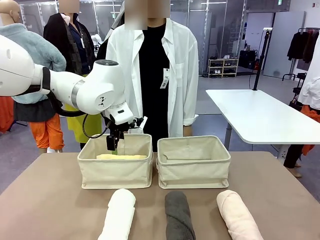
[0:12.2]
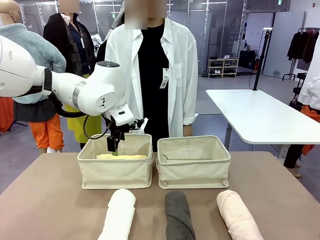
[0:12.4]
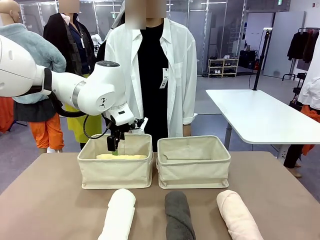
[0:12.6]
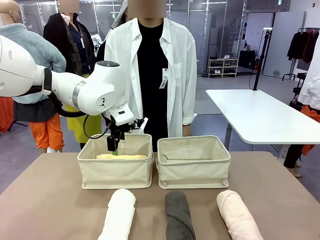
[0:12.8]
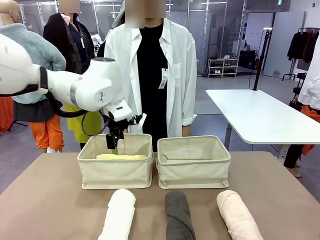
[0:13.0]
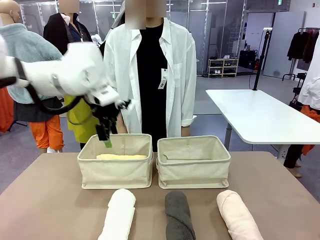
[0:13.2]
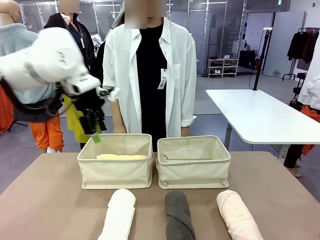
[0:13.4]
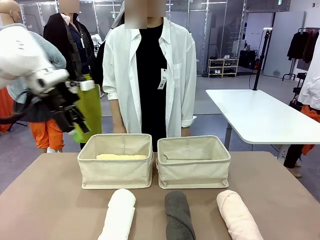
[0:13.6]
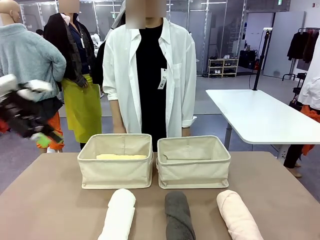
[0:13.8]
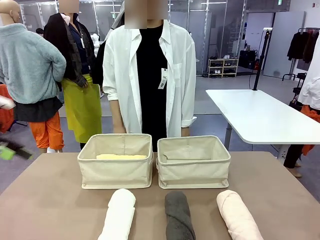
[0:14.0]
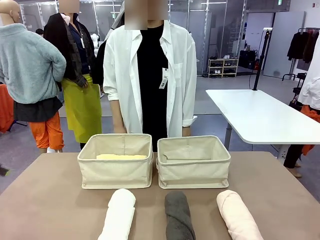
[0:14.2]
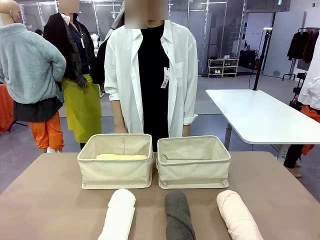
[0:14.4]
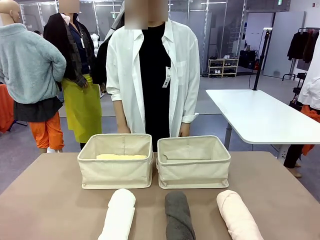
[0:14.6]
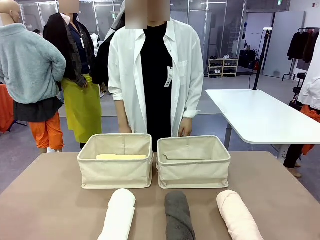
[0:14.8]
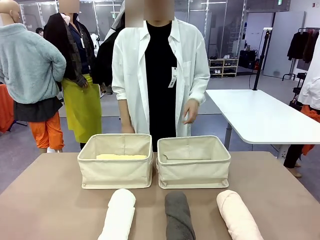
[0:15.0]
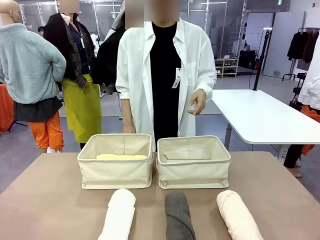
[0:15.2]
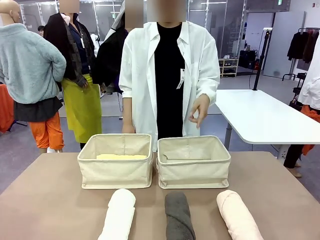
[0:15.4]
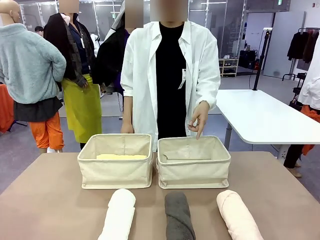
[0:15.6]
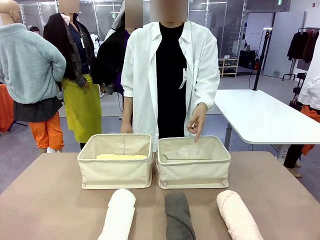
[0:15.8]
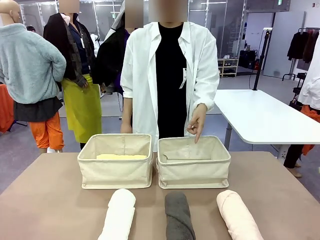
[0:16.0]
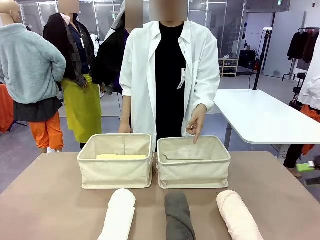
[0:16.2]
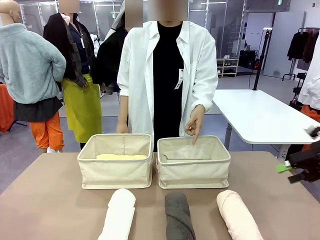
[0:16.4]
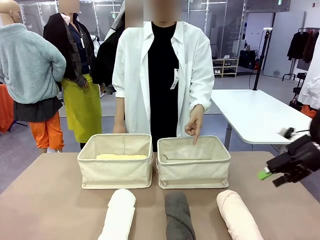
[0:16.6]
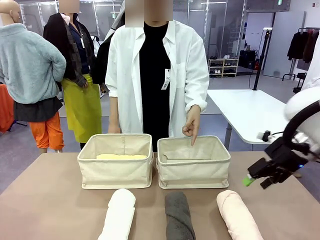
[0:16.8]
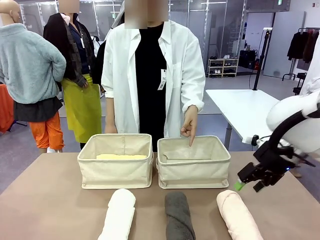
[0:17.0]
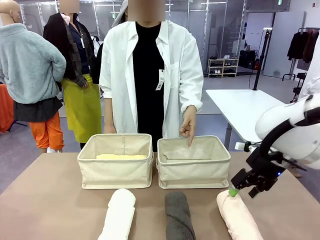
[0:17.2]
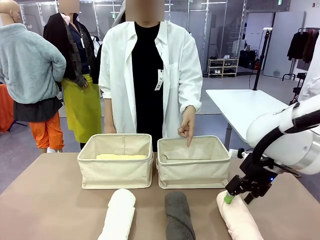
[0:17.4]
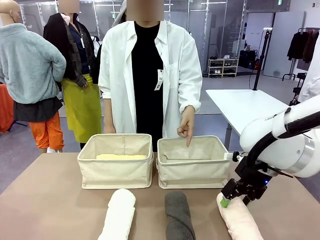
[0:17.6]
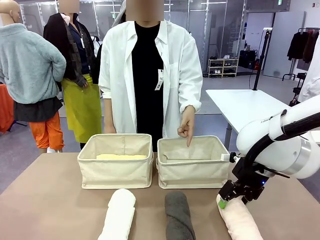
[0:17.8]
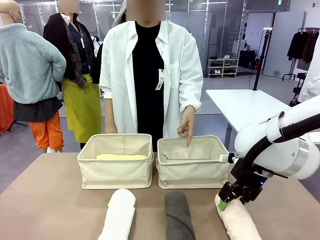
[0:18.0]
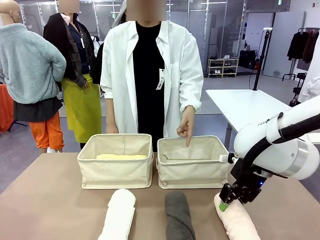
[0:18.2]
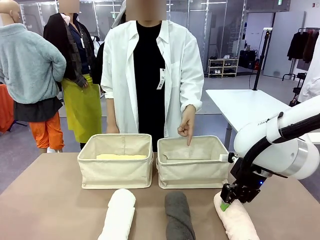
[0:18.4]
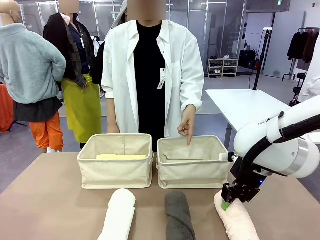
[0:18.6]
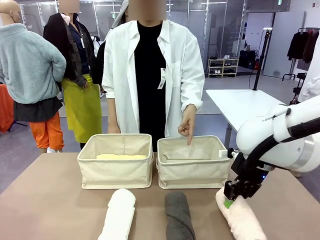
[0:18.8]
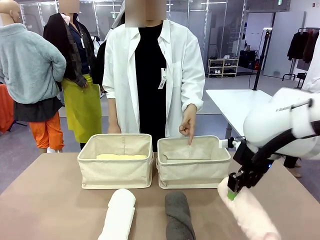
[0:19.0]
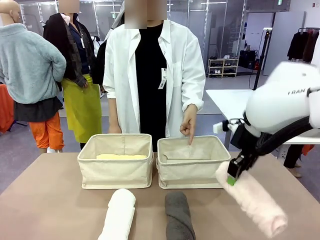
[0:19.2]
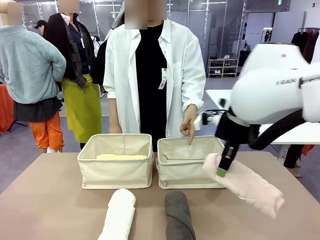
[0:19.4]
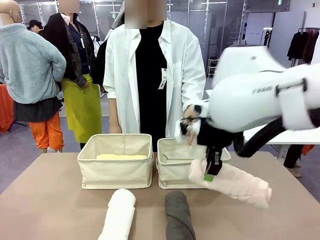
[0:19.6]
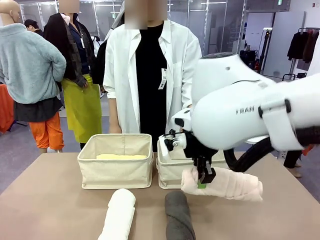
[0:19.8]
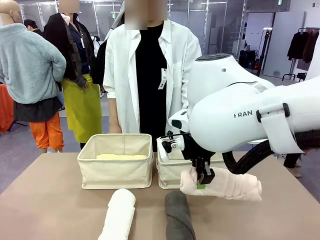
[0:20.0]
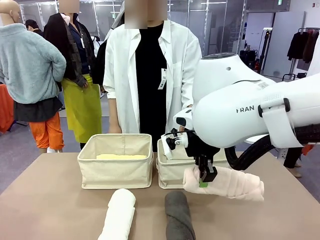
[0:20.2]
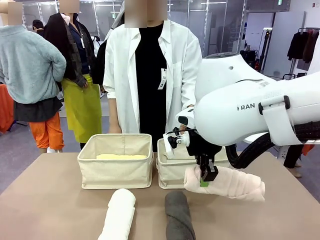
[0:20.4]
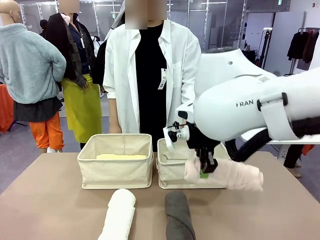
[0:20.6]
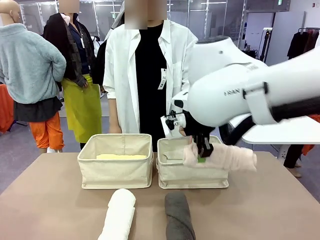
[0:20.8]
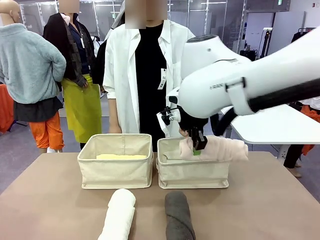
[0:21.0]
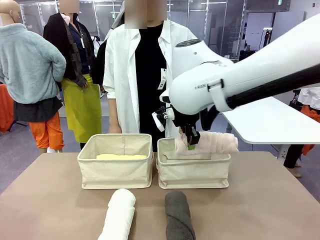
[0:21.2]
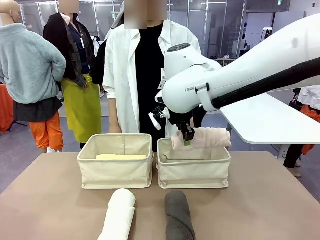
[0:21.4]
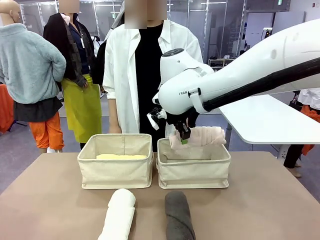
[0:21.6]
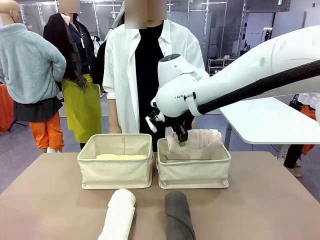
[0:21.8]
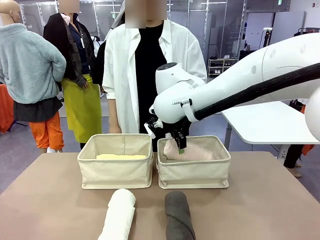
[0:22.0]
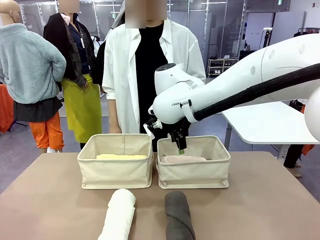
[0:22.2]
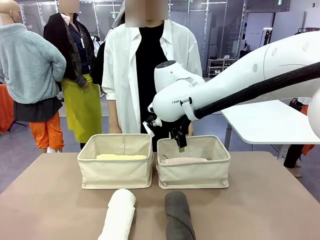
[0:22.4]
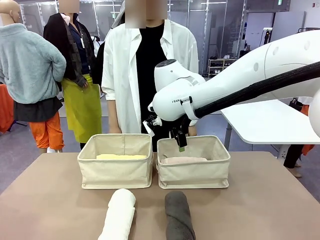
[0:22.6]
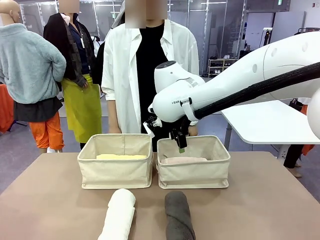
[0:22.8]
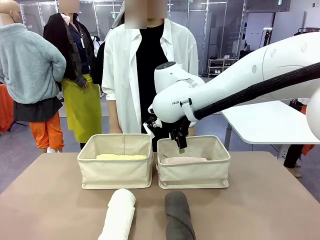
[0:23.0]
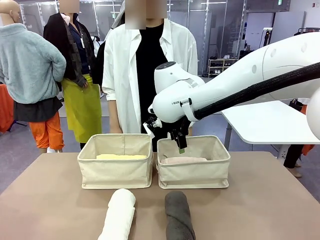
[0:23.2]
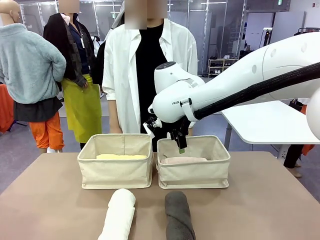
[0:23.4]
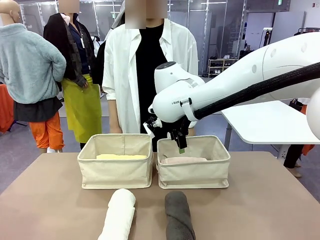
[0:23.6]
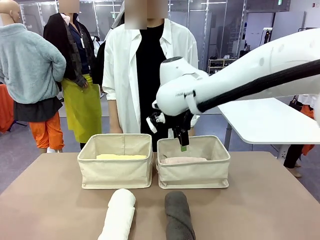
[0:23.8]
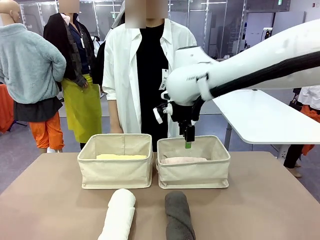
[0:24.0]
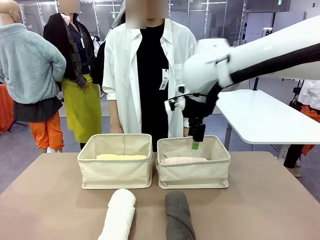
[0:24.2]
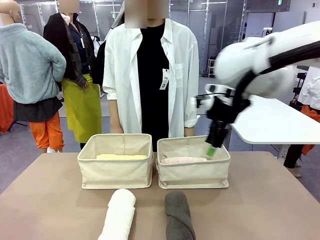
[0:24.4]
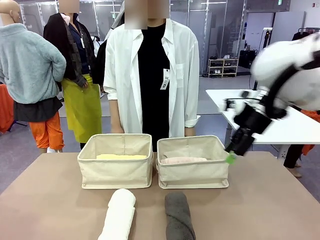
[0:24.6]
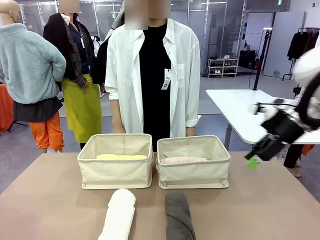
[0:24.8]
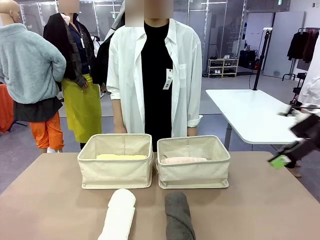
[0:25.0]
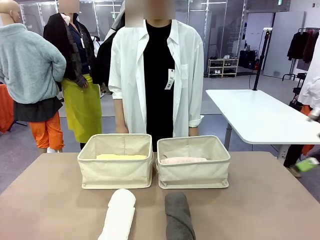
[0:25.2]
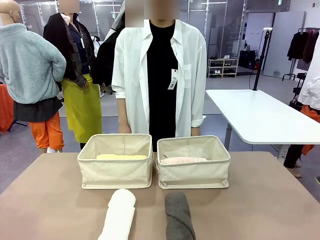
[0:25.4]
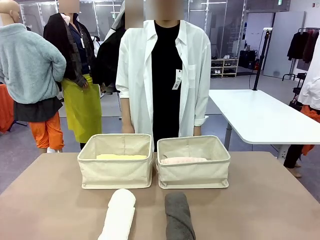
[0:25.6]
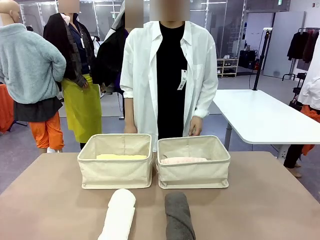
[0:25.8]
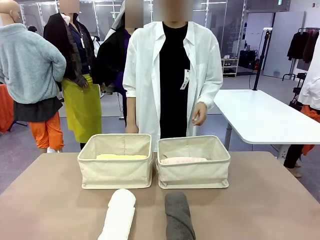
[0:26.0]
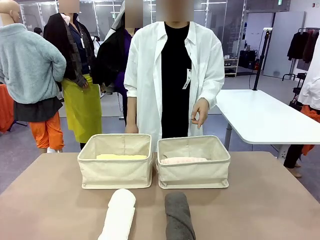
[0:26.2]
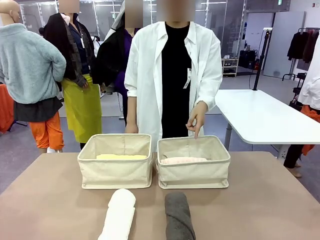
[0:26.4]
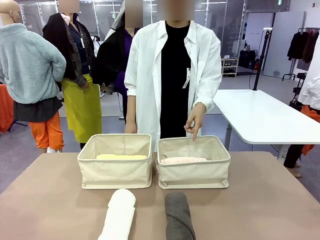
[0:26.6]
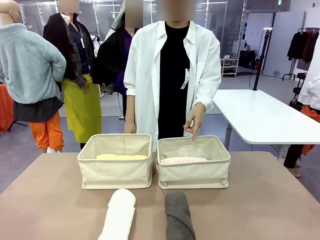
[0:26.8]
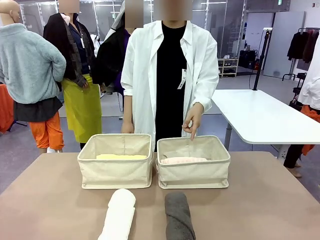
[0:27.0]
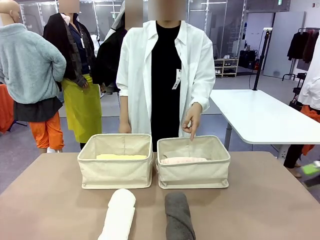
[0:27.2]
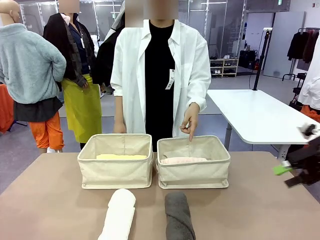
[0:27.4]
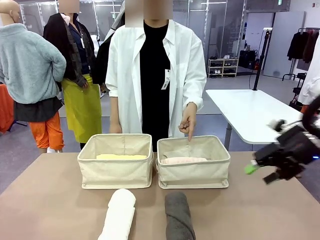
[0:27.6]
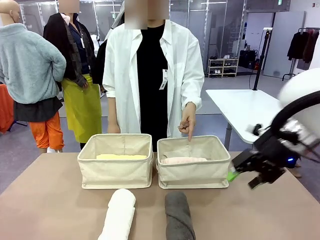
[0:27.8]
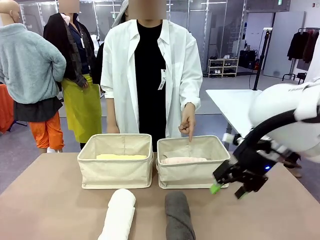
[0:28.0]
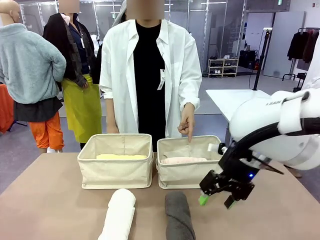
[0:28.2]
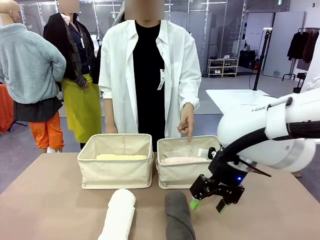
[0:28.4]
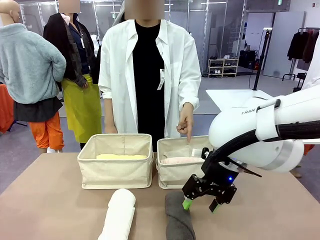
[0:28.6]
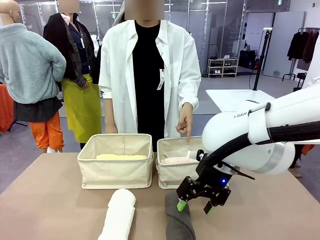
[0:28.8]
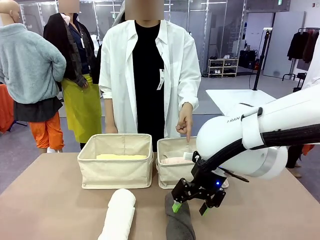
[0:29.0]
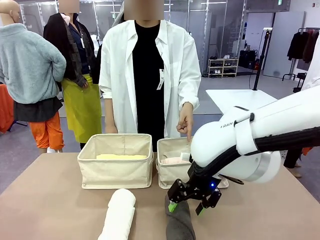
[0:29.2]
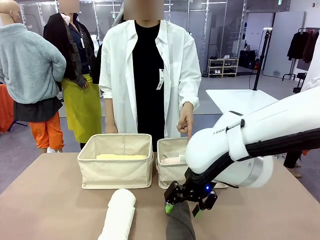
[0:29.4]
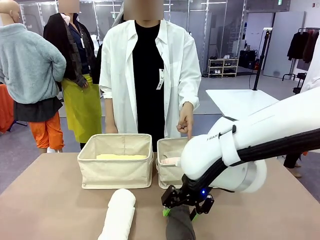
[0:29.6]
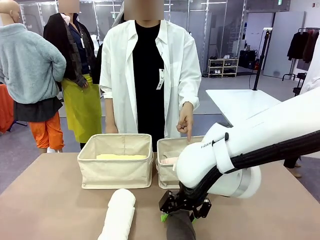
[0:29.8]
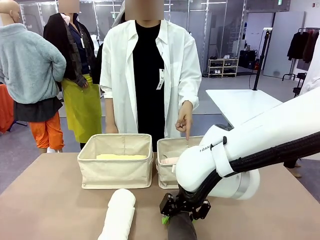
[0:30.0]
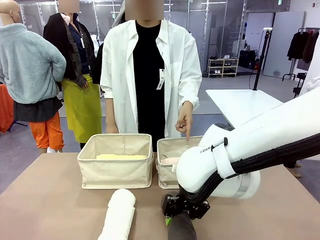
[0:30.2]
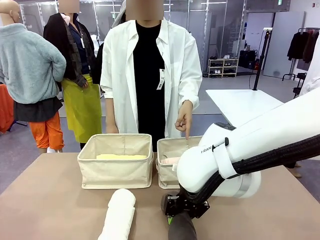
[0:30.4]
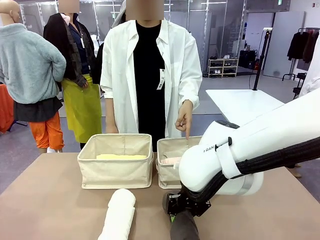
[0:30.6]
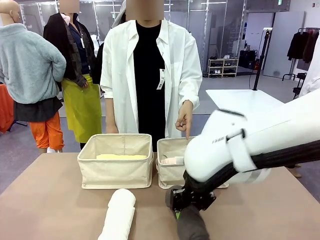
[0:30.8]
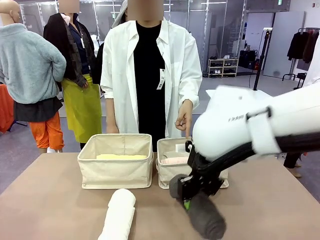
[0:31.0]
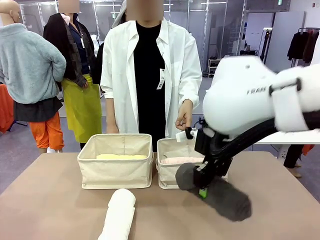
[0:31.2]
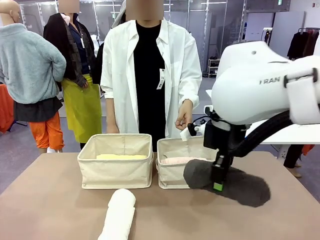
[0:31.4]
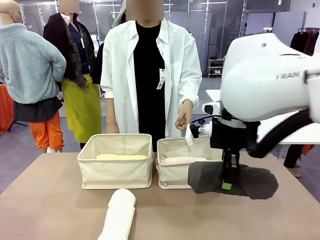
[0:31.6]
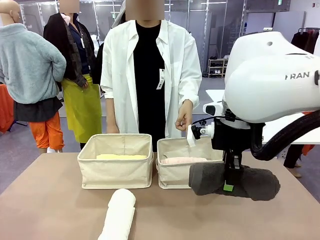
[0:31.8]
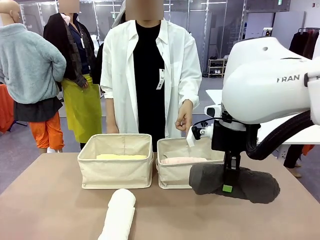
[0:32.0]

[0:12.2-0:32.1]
Task: Divide the towels into two baskets.
Robot: Pick up one hotel-folded towel from the bottom of the table and place it in the Fabric basket indicated by the person.
